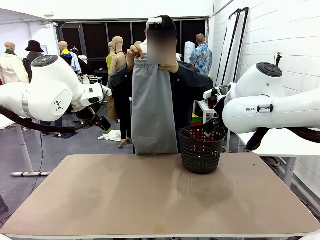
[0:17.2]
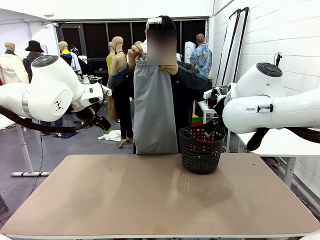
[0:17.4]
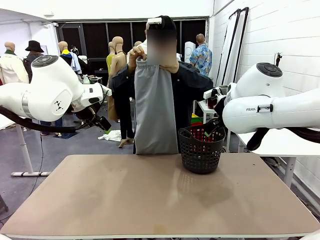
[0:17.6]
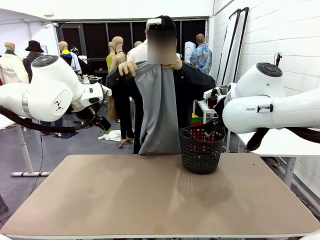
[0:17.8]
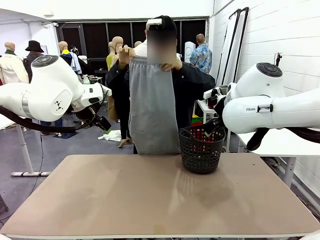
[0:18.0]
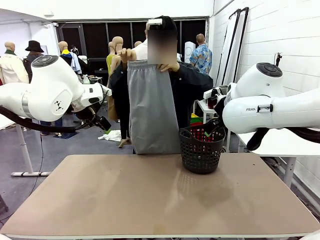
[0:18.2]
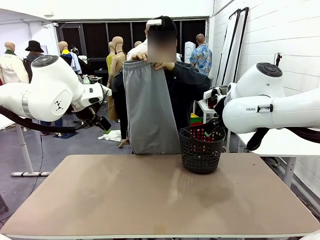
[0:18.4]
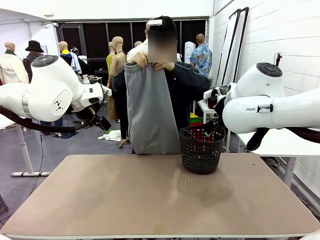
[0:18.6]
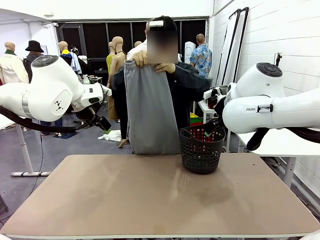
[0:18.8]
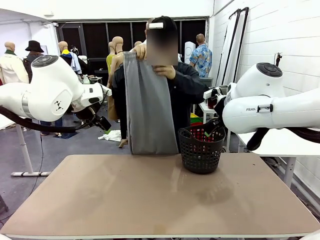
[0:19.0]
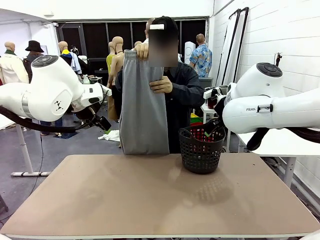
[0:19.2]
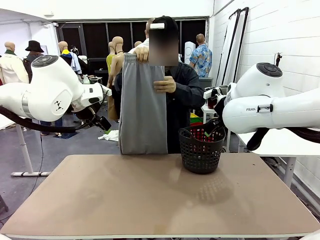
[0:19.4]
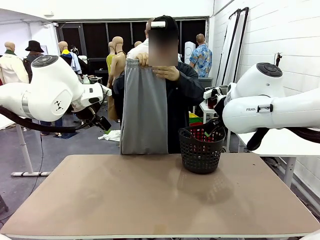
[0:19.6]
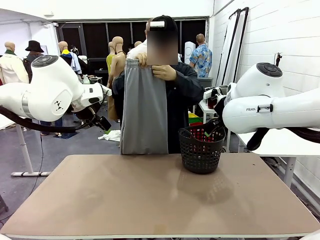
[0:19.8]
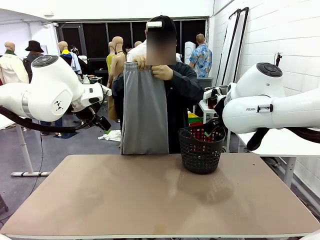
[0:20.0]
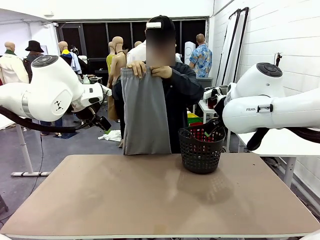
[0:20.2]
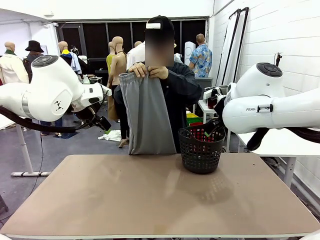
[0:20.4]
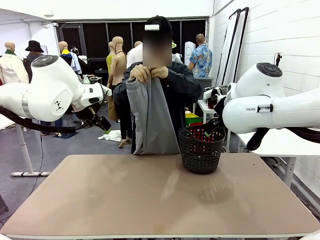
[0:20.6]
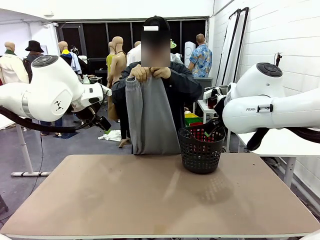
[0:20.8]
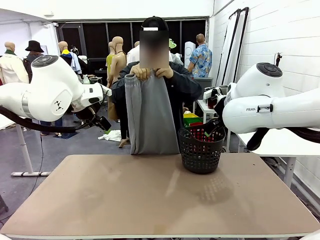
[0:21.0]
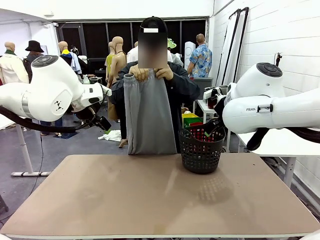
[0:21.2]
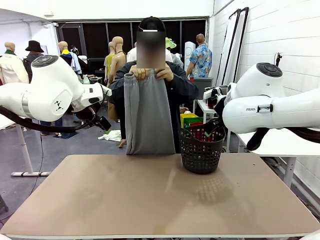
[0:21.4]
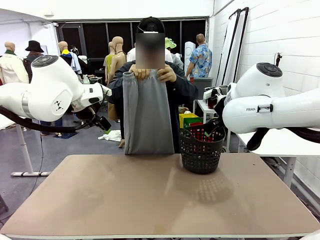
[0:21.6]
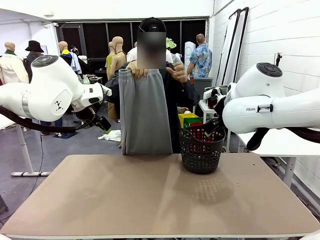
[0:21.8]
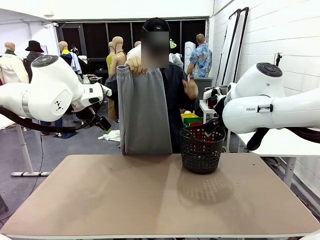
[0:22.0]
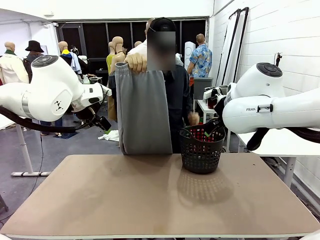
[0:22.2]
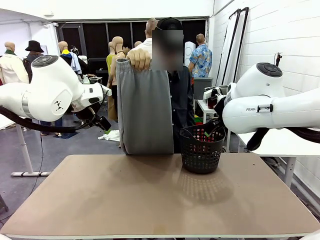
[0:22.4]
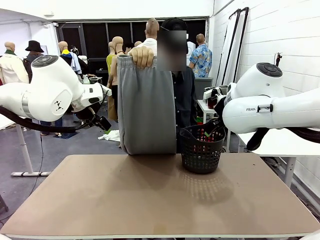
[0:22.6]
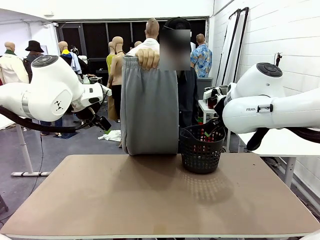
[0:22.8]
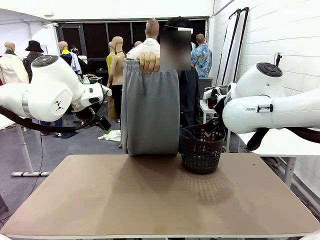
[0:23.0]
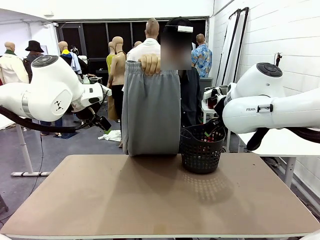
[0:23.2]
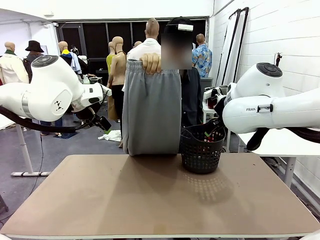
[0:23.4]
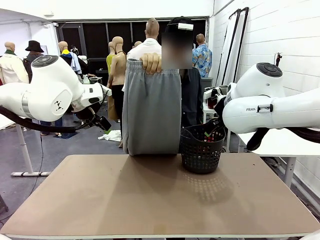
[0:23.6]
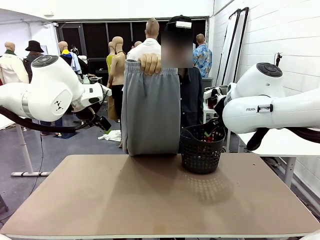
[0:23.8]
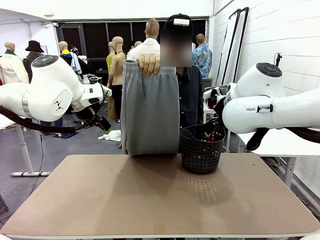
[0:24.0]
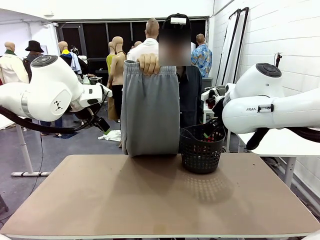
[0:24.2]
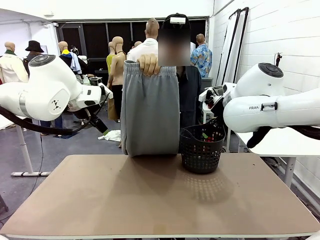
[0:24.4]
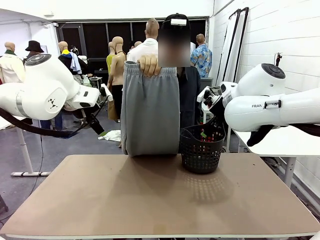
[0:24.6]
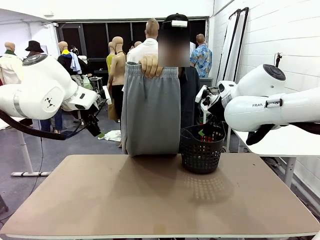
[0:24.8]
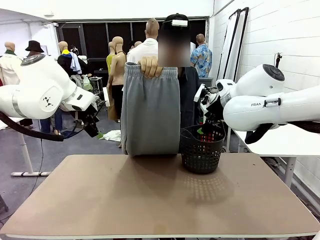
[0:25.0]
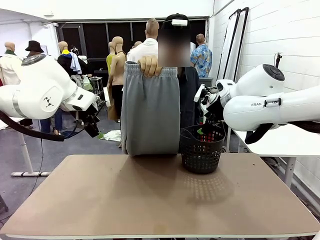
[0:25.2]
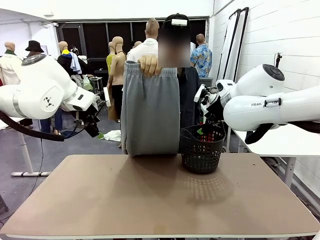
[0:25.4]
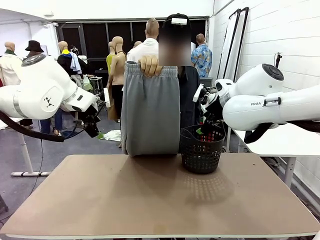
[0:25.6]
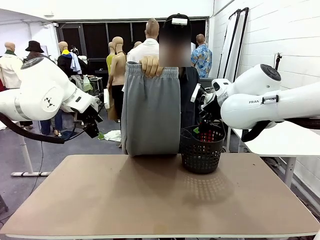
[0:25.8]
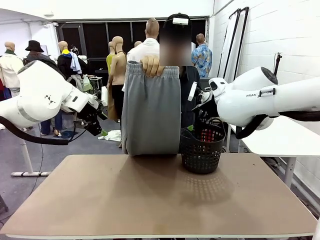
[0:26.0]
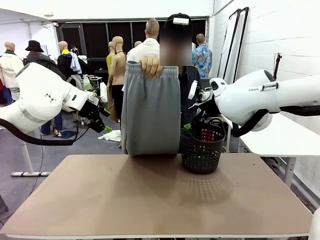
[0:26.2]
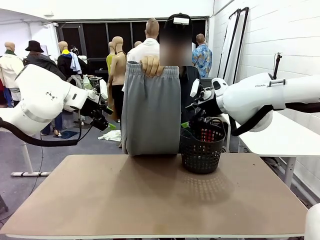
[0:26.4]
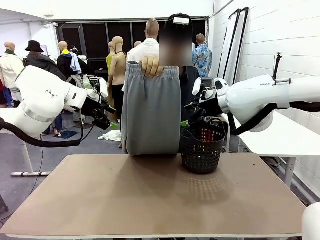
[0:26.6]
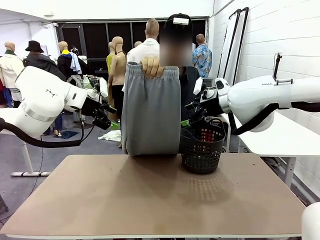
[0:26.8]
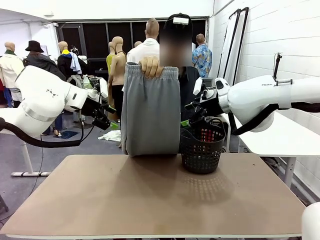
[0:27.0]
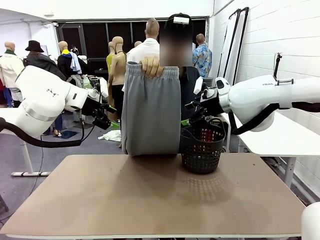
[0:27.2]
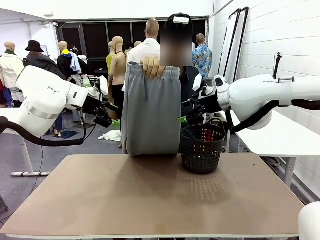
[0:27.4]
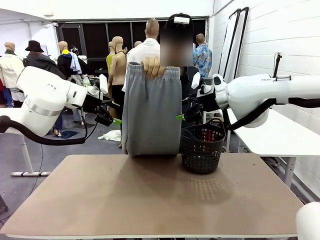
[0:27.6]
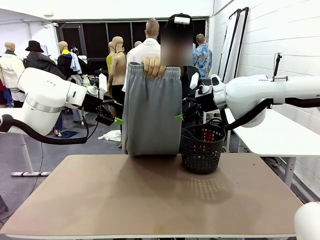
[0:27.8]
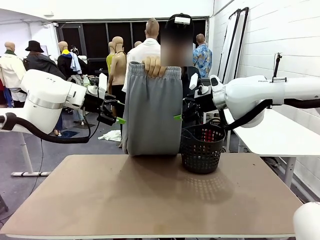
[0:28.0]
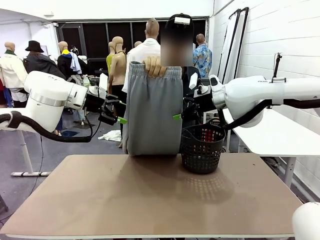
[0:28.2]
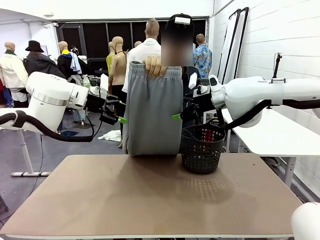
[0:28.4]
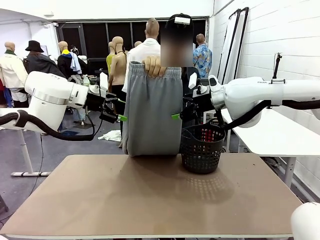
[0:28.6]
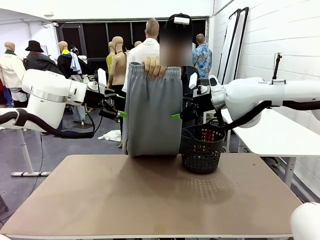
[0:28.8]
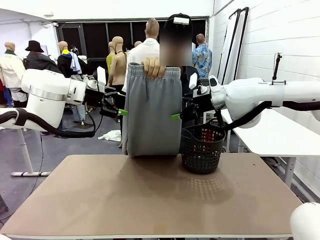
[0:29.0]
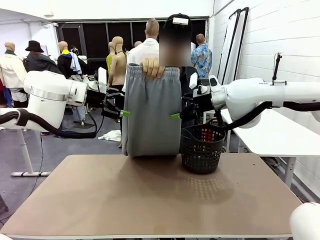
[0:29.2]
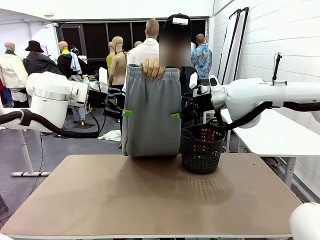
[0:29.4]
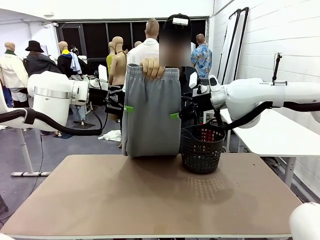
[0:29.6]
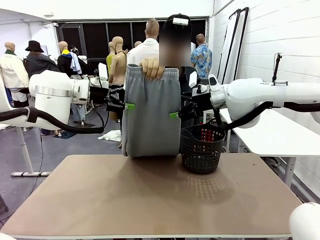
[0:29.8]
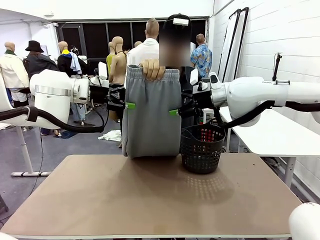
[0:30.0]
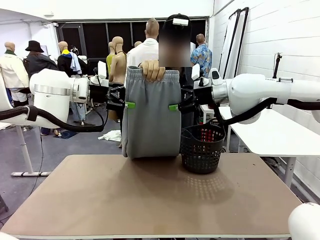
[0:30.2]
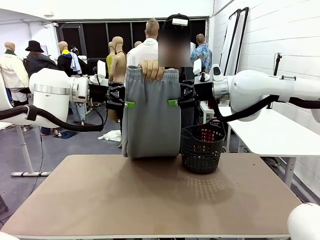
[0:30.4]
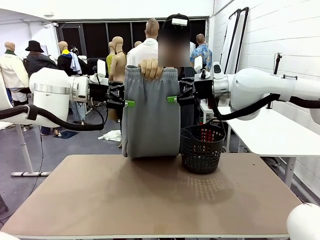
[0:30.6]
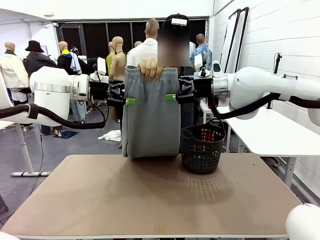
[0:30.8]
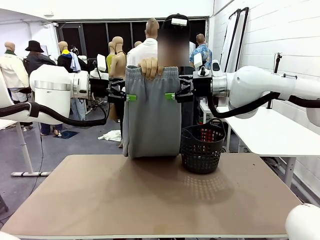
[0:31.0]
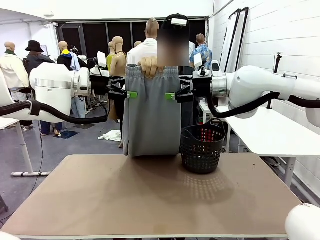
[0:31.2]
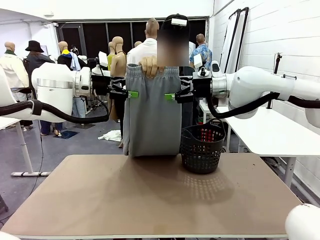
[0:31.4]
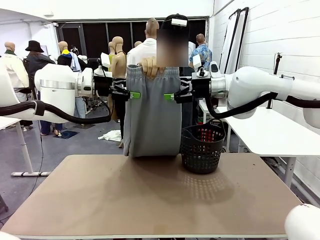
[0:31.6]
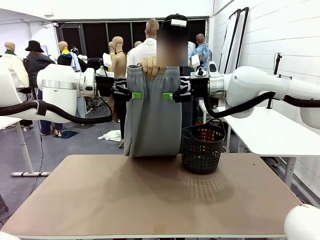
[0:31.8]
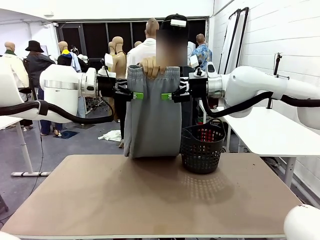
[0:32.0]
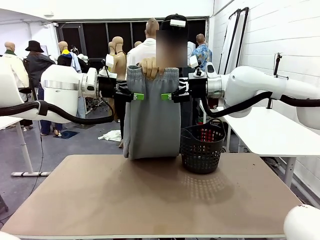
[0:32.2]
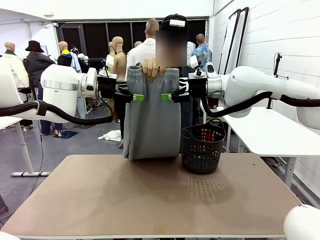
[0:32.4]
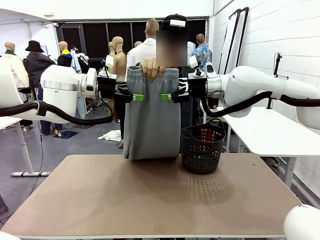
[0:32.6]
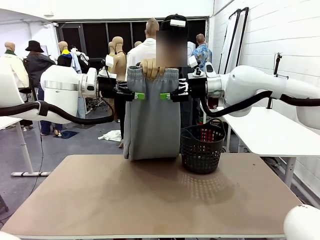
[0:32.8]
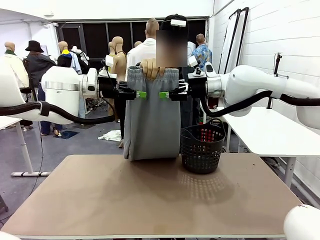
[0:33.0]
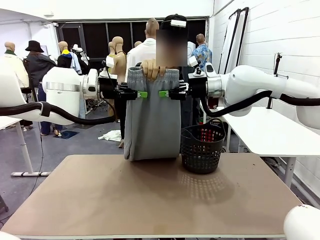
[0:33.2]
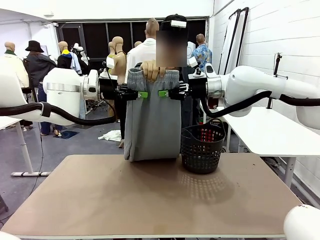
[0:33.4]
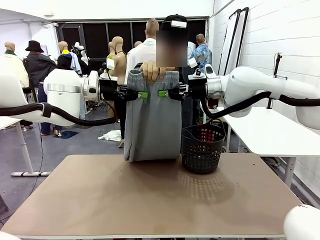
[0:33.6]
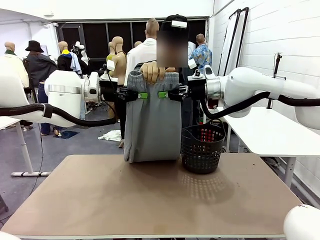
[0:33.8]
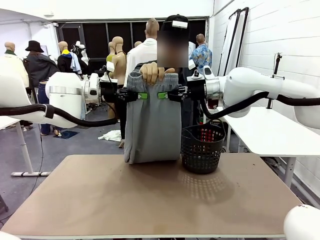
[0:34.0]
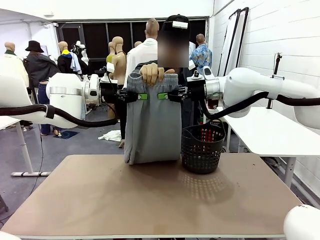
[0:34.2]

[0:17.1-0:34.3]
Task: Fold the training pants.
Robot: Grab both ends of the Training pants handed by a person.
